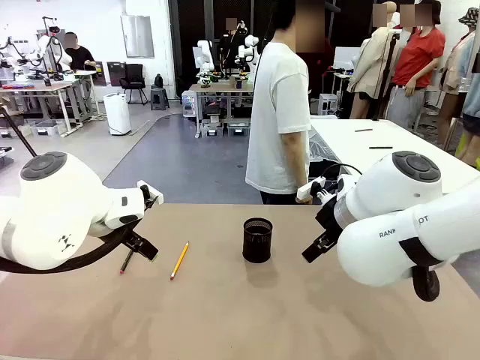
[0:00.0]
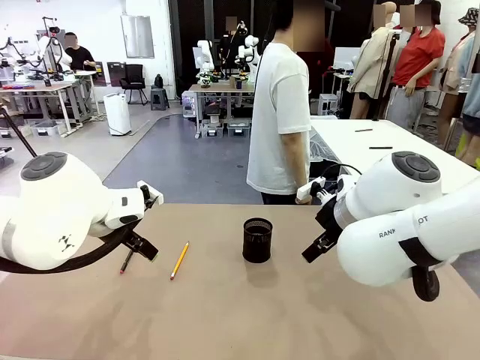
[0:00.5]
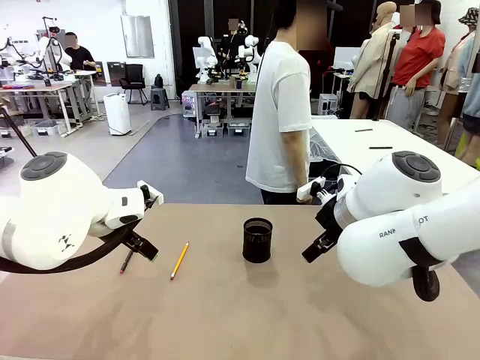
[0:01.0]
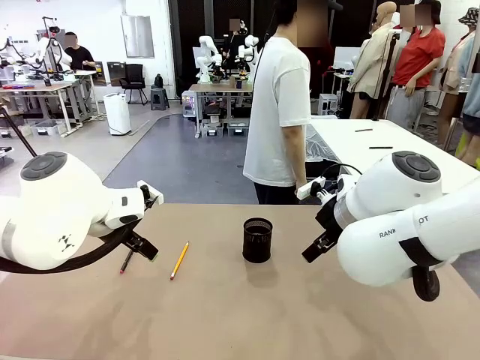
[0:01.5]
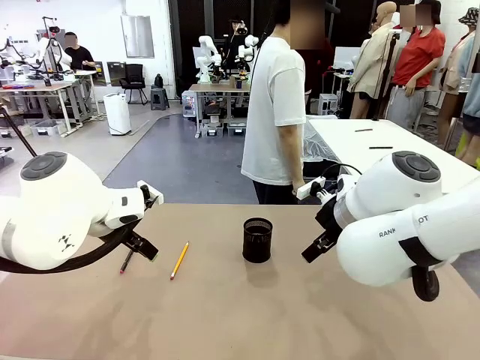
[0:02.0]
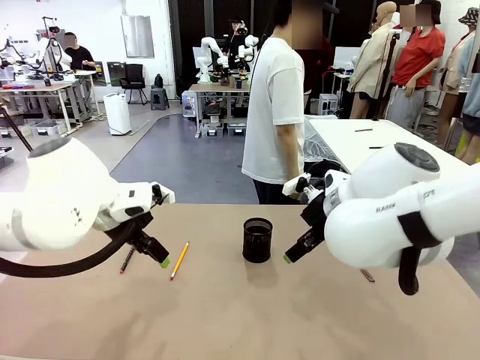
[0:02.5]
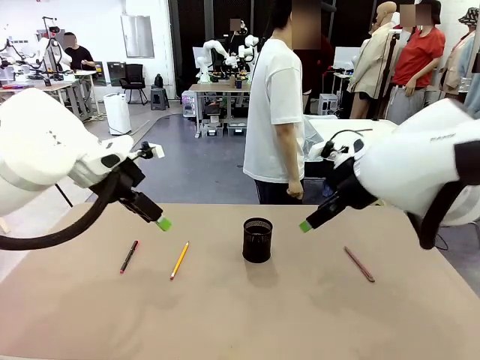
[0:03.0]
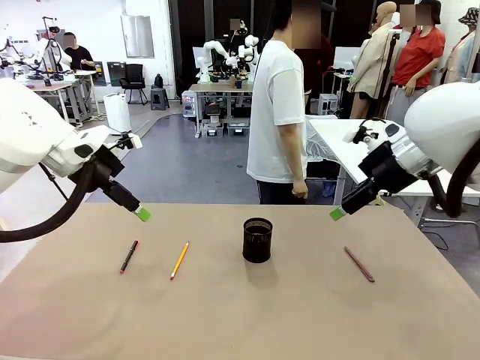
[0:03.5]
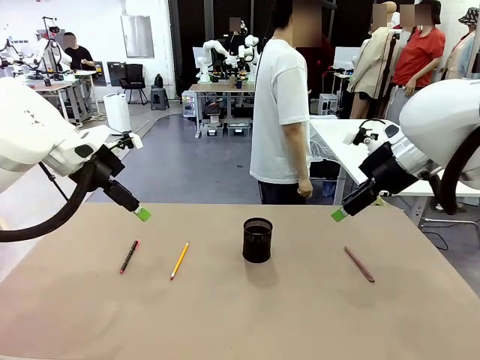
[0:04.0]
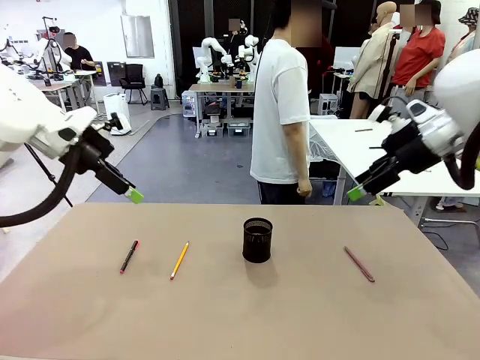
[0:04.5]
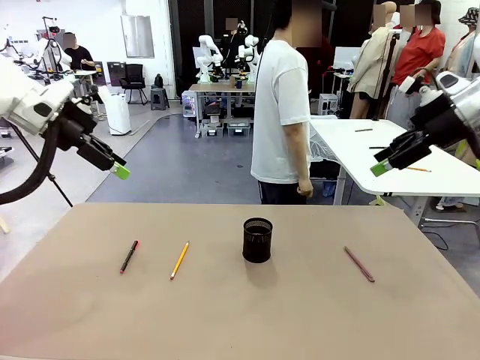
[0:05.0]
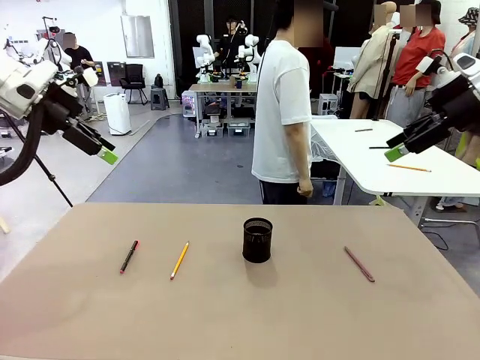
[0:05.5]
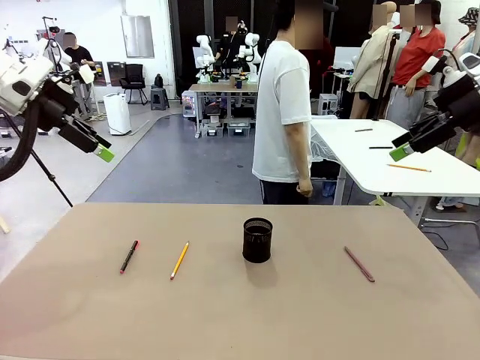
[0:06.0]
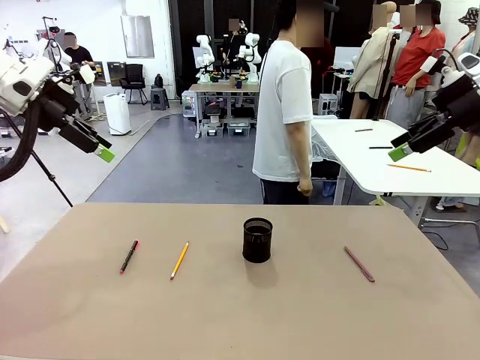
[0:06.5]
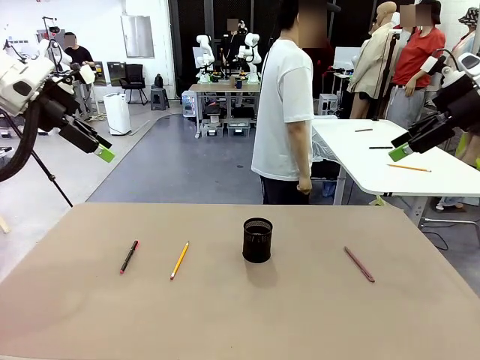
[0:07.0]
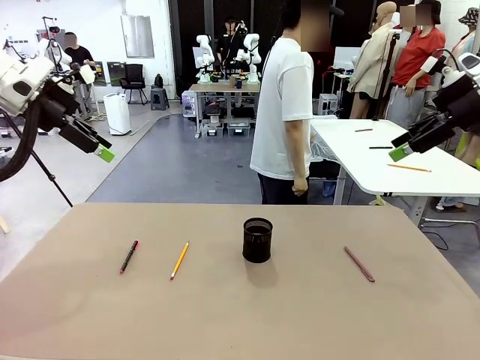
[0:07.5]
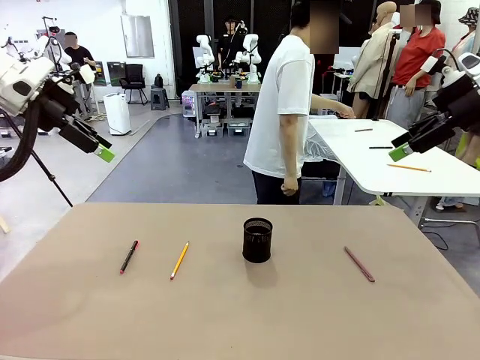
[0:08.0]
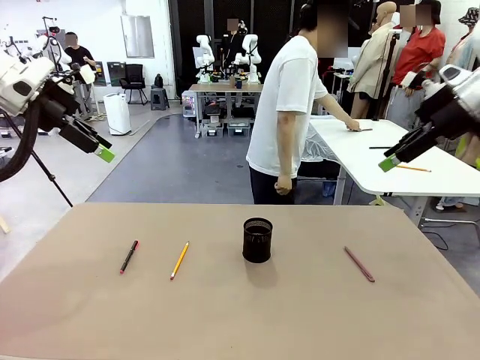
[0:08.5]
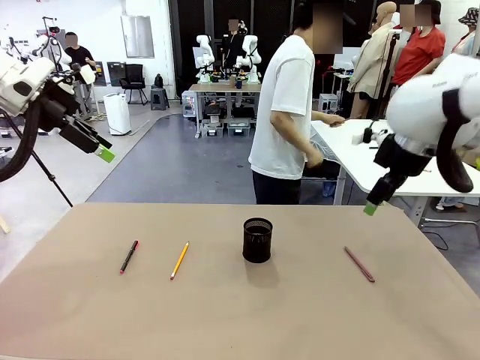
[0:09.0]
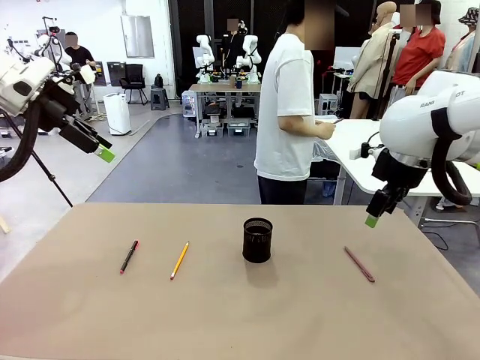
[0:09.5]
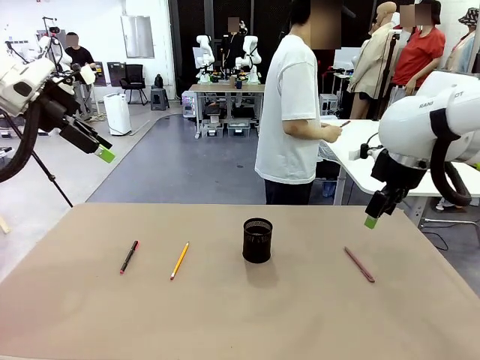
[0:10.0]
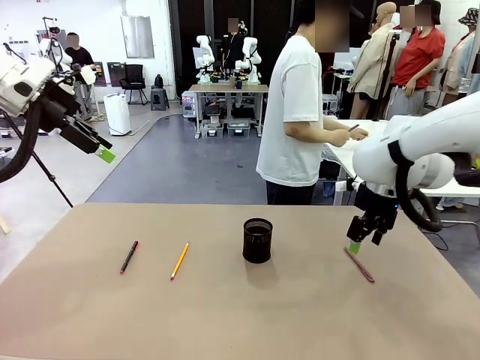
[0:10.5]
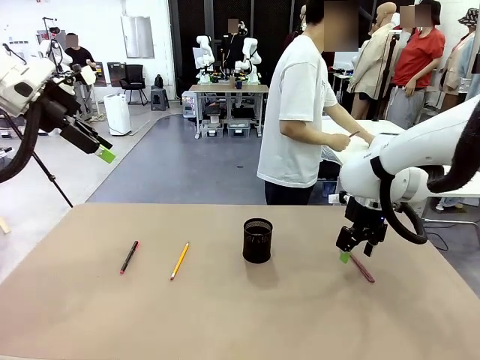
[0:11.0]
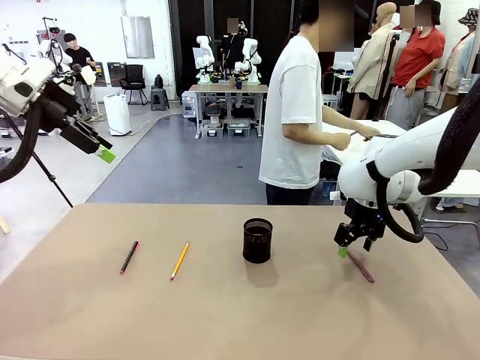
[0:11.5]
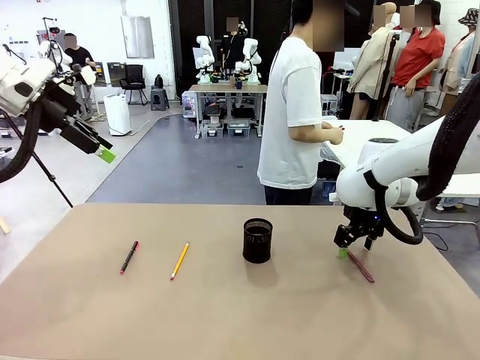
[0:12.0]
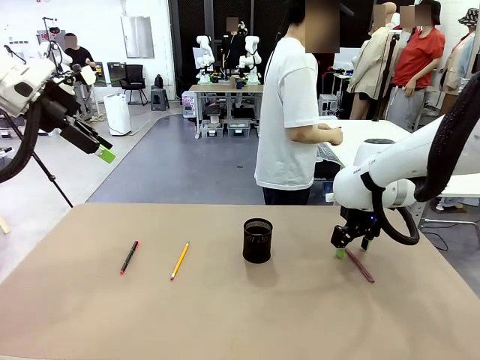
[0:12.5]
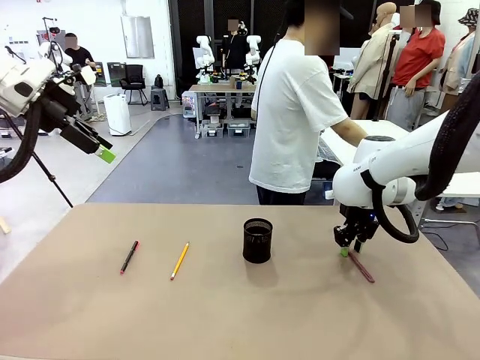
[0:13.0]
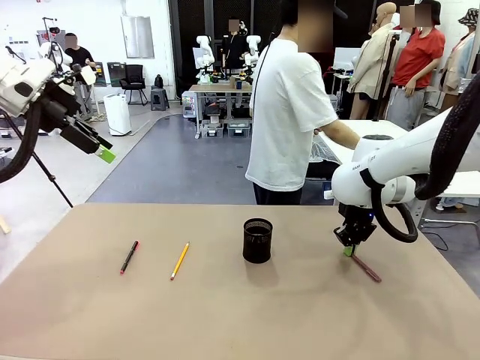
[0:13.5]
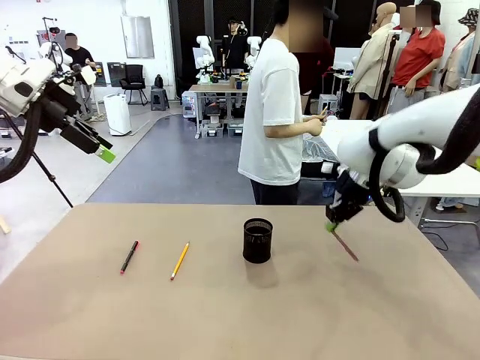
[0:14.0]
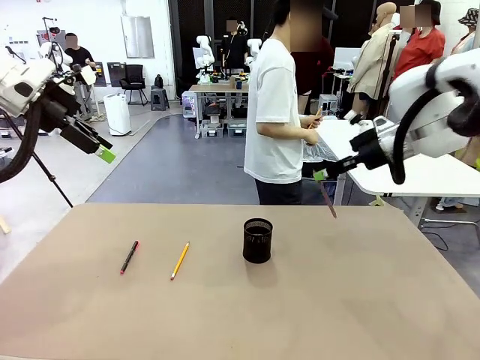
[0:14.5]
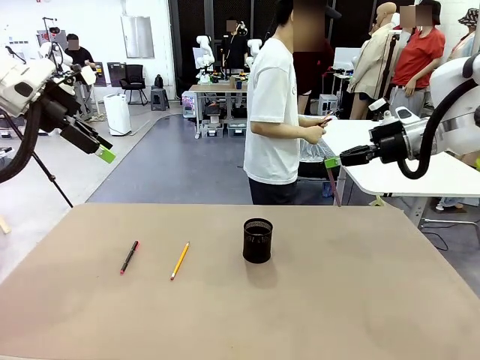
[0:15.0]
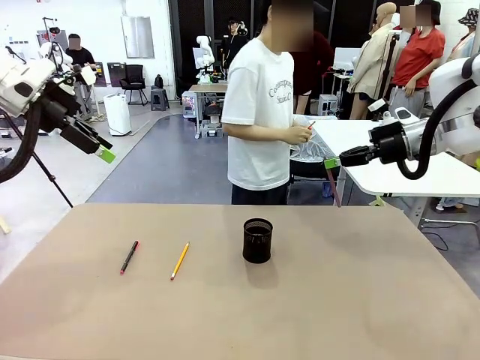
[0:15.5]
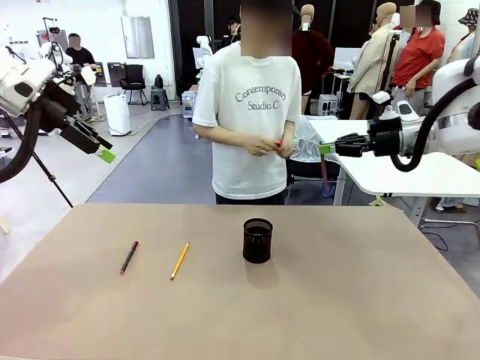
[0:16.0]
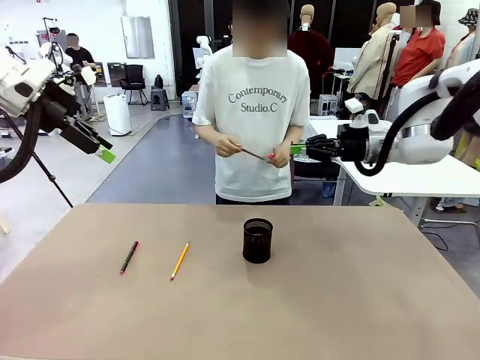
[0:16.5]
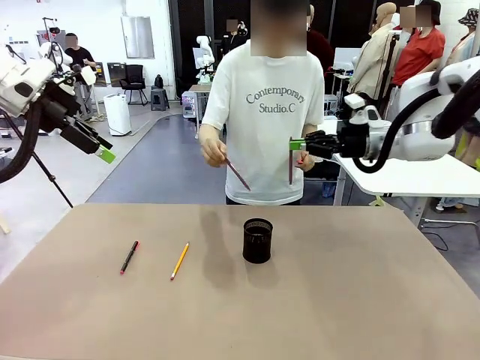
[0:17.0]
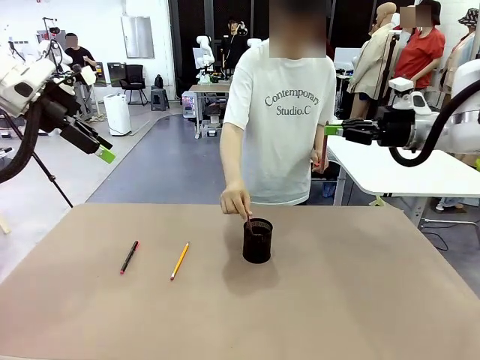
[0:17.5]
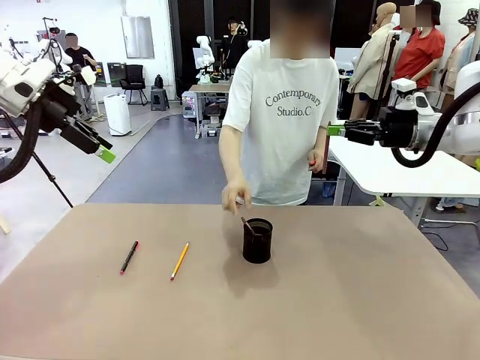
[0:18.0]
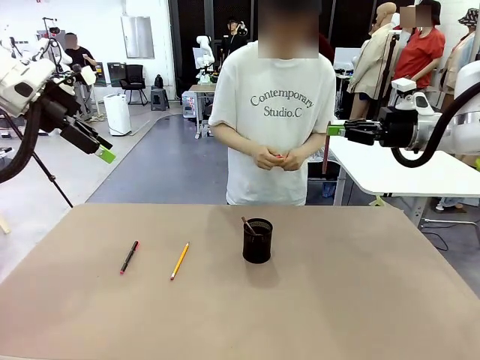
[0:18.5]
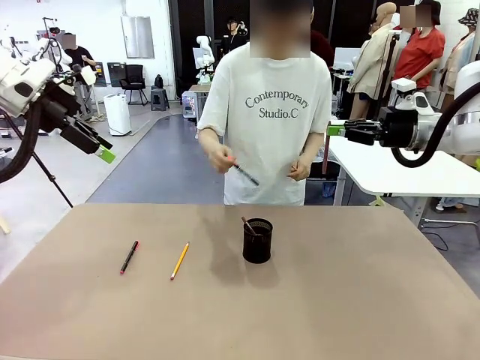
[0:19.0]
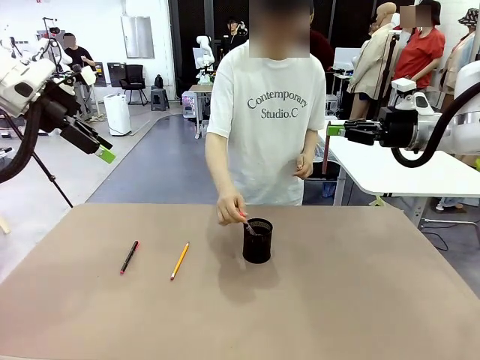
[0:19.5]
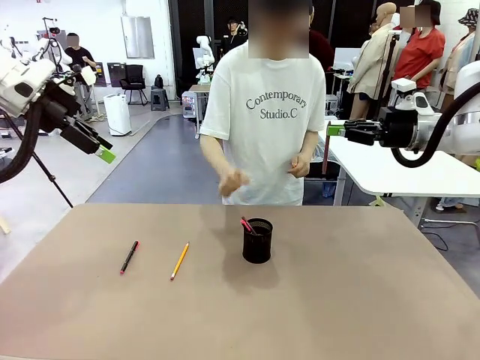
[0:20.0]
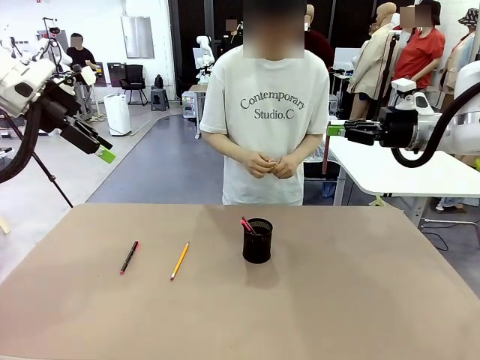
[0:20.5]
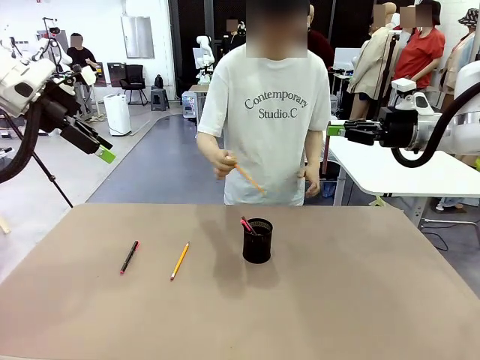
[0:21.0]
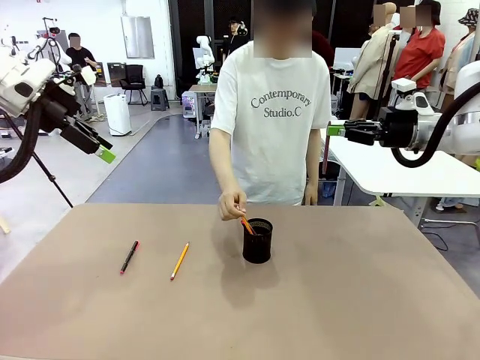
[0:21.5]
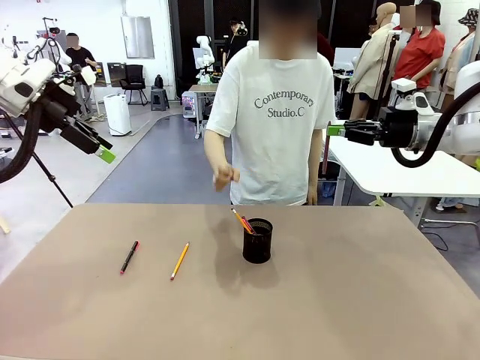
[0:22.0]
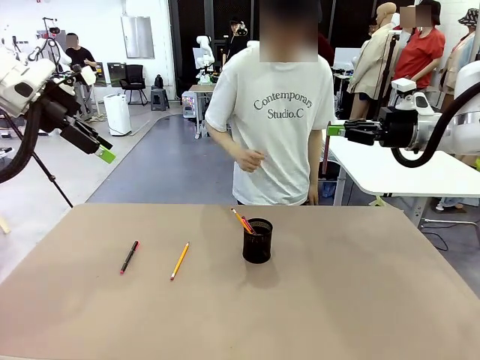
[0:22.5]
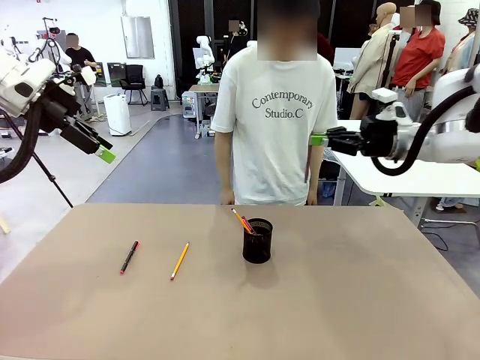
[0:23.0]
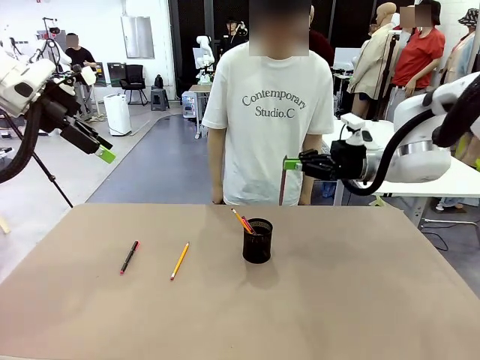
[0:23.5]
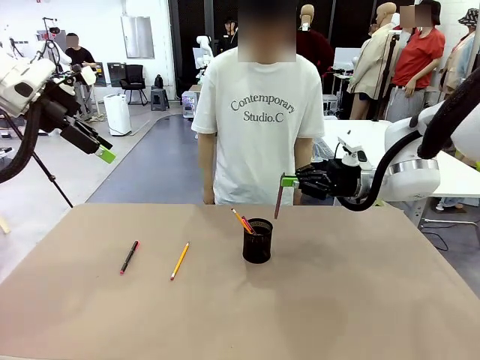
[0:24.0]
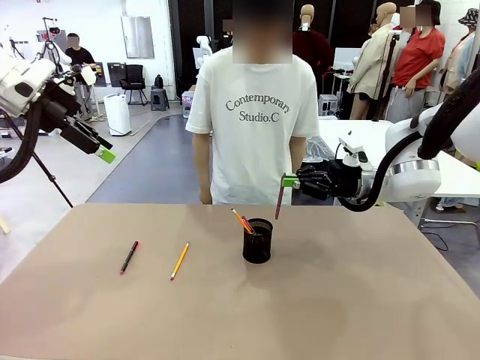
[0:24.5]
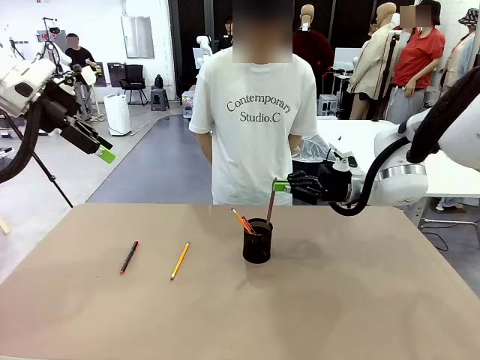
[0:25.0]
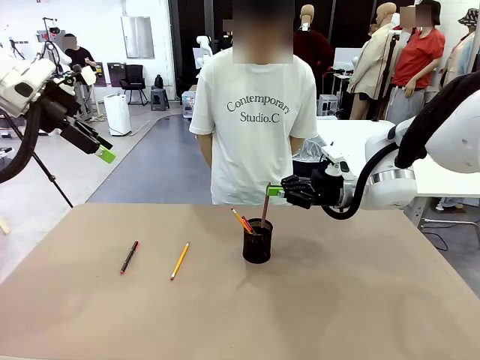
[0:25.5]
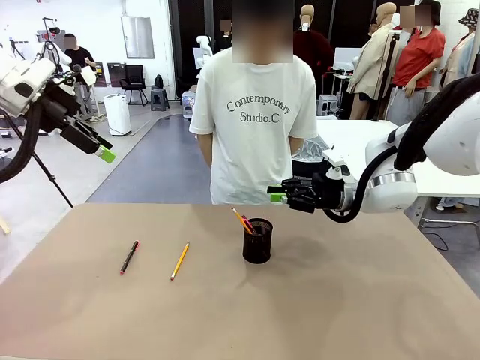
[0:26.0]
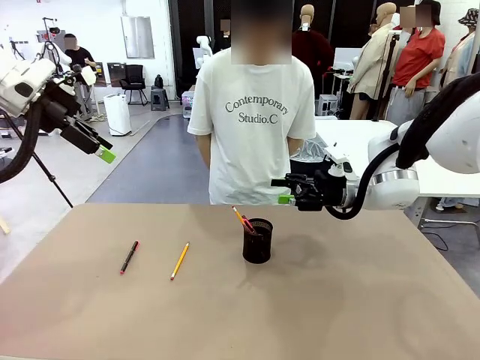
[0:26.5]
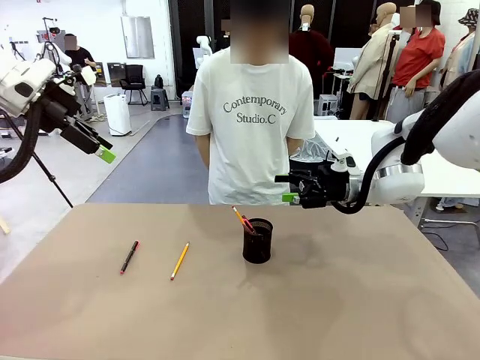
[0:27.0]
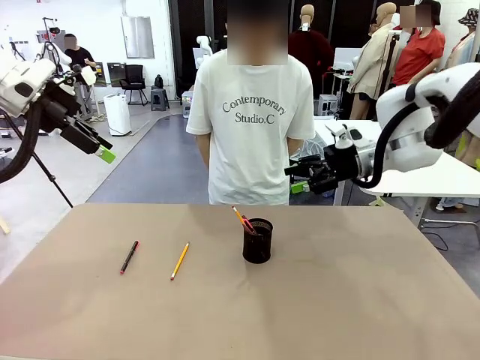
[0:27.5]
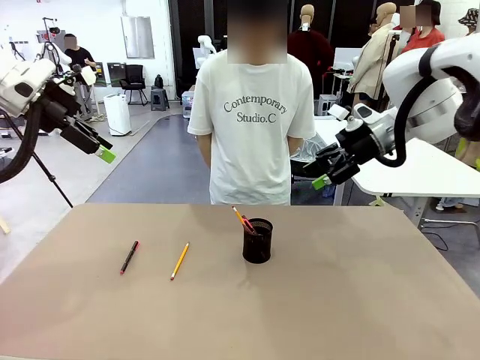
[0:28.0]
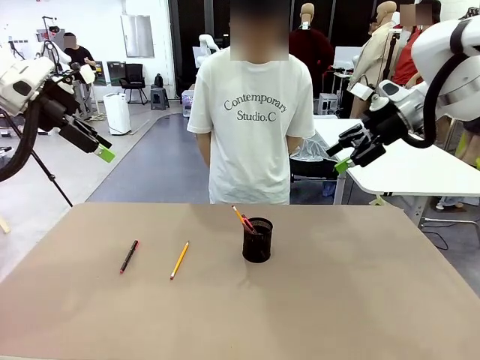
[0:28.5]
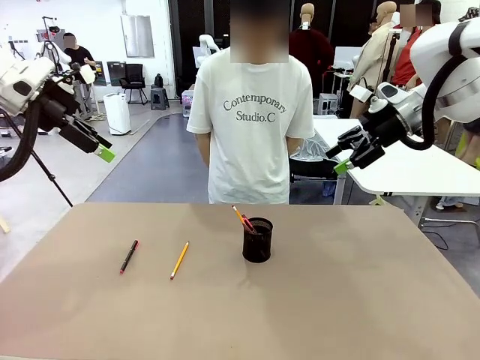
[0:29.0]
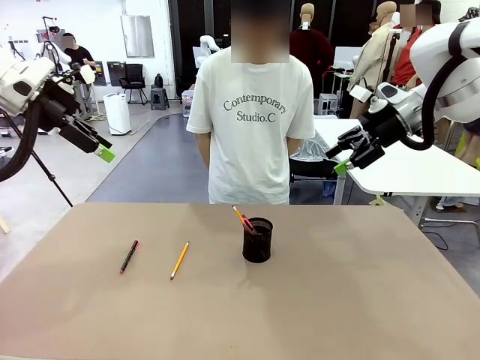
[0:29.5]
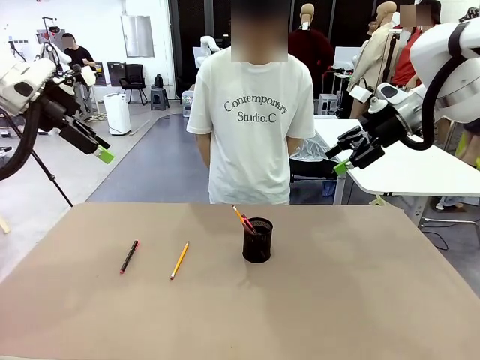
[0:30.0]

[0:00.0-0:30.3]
Task: Place the pens into the pen holder.
Robot: Pick up a writing instrument from the table and place it into the Pen holder.
Person: Pick up all writing instruments from the Human table.
